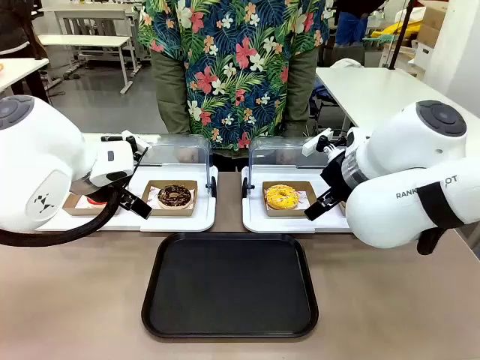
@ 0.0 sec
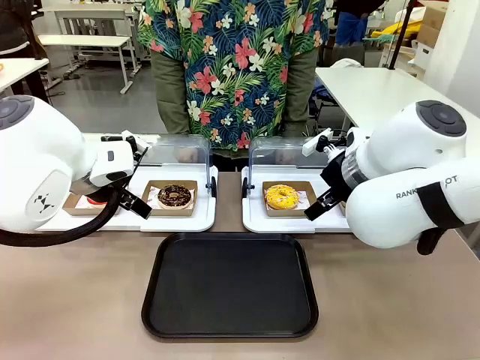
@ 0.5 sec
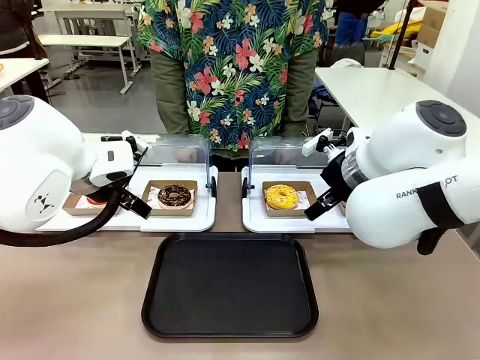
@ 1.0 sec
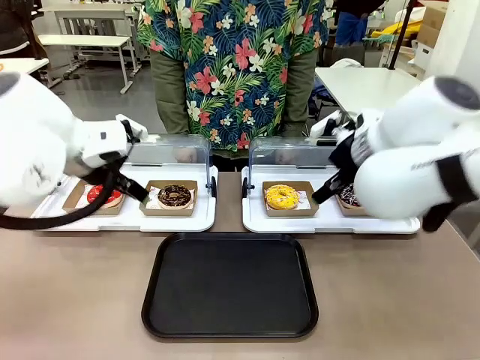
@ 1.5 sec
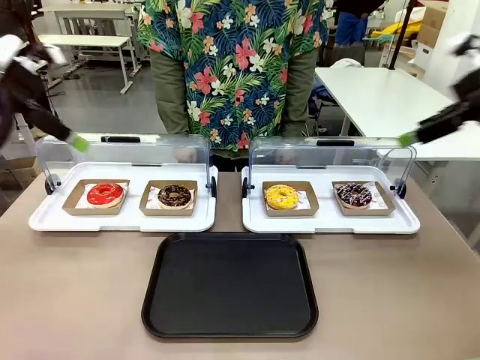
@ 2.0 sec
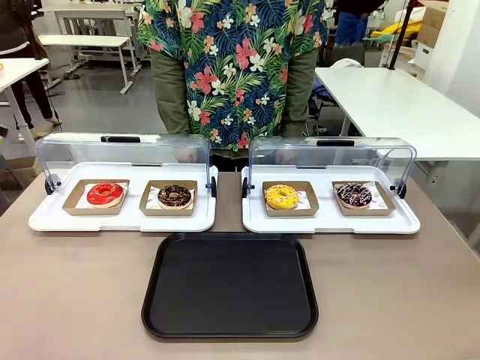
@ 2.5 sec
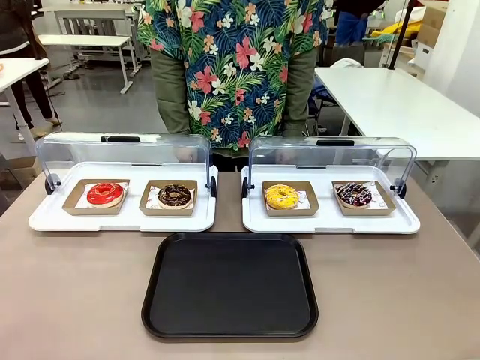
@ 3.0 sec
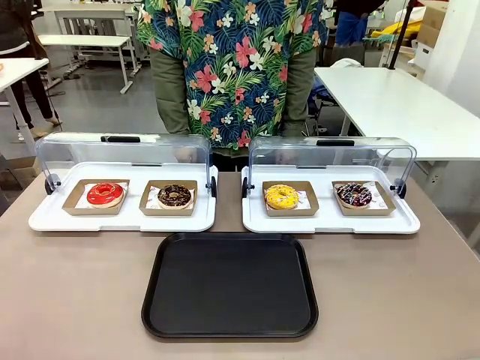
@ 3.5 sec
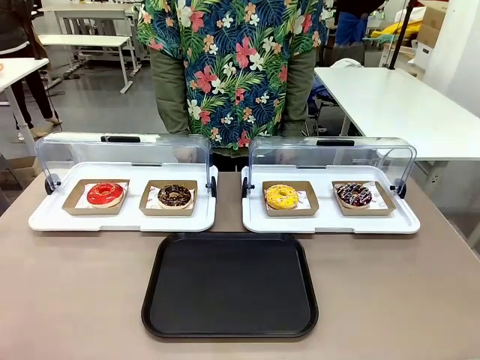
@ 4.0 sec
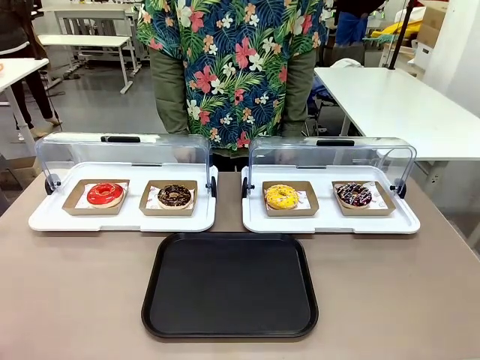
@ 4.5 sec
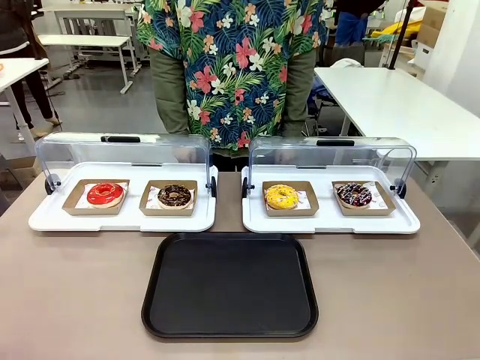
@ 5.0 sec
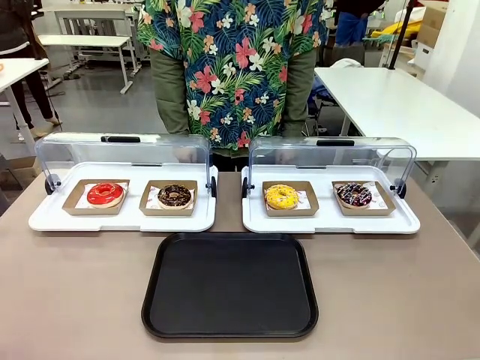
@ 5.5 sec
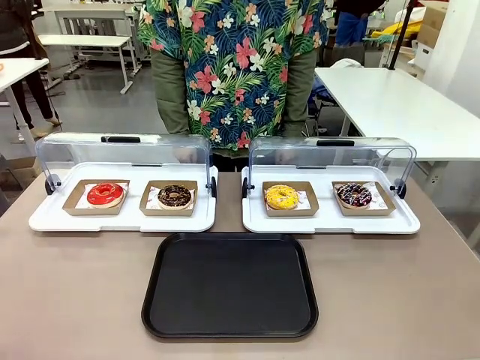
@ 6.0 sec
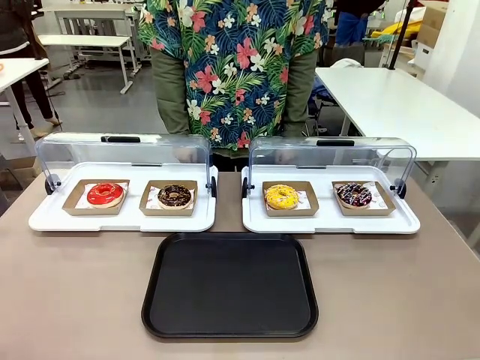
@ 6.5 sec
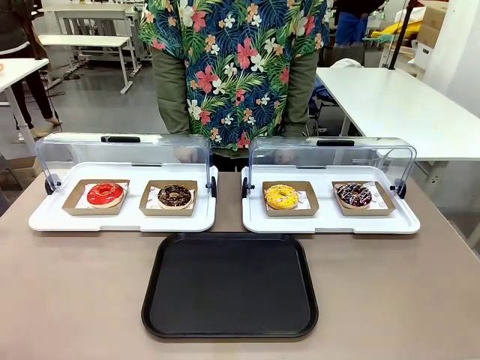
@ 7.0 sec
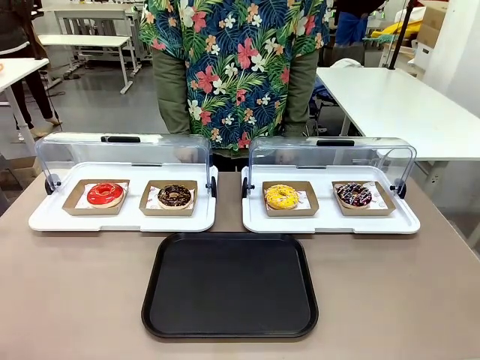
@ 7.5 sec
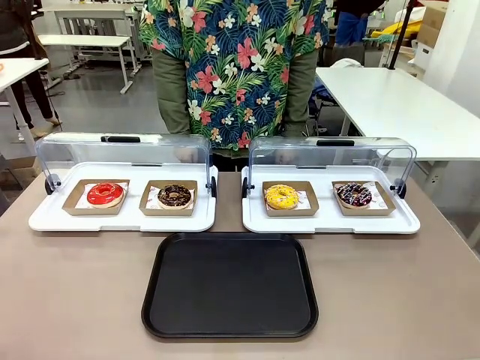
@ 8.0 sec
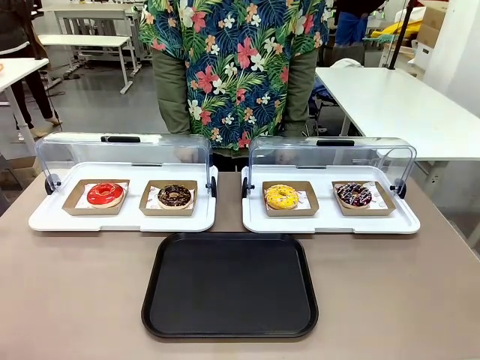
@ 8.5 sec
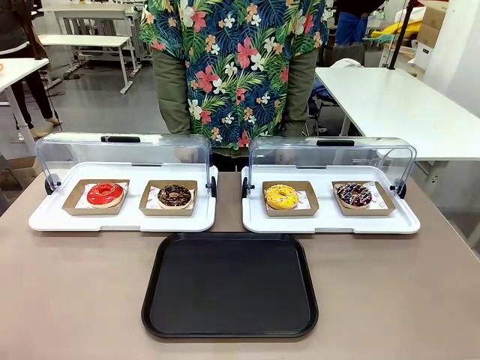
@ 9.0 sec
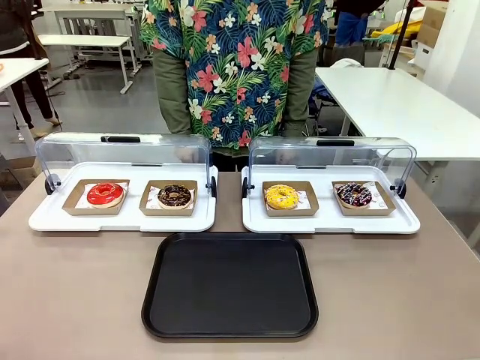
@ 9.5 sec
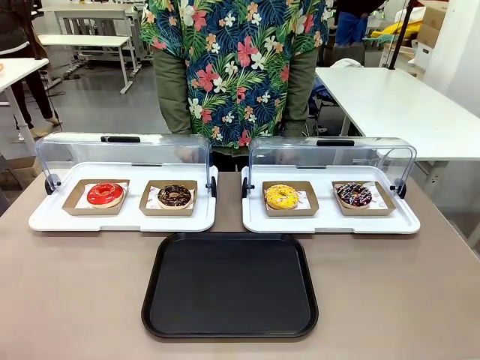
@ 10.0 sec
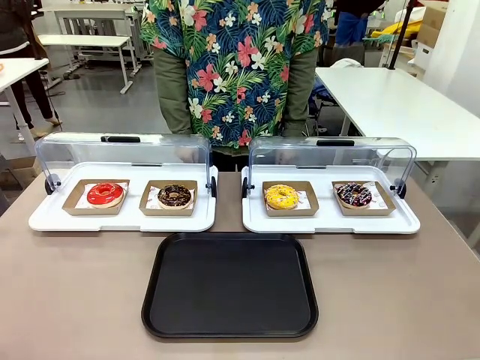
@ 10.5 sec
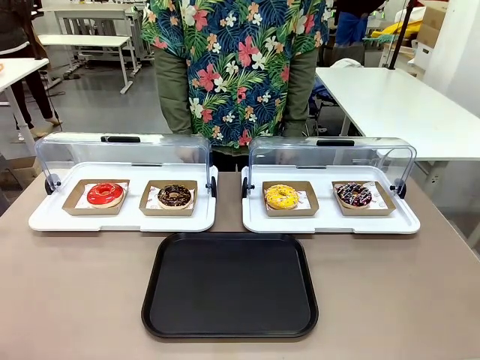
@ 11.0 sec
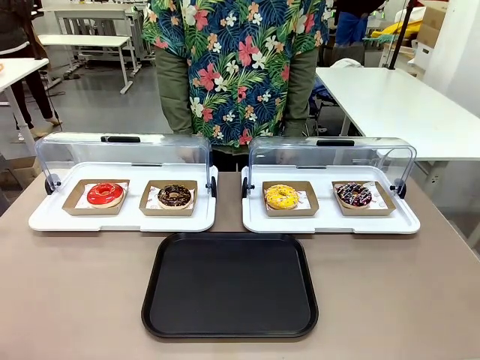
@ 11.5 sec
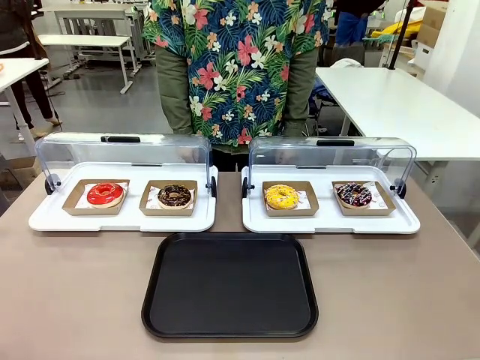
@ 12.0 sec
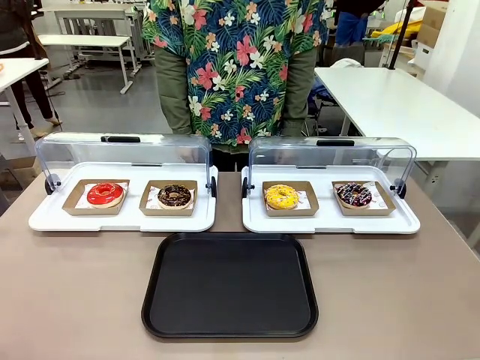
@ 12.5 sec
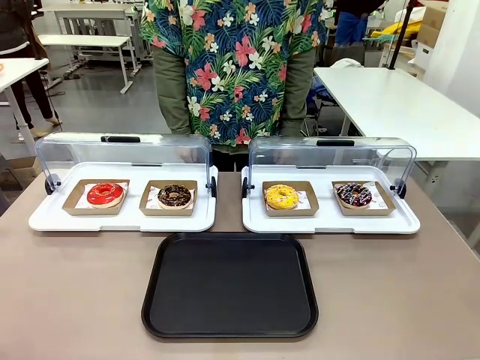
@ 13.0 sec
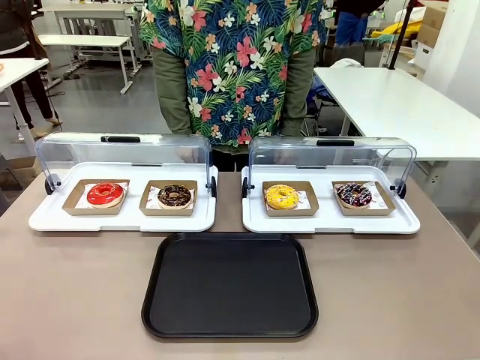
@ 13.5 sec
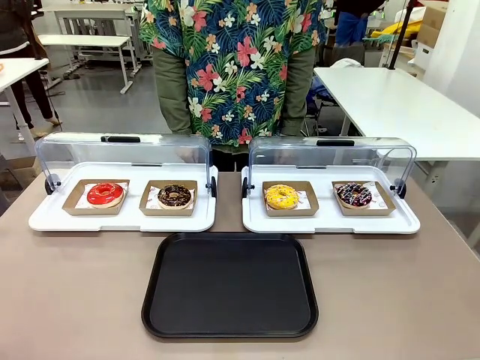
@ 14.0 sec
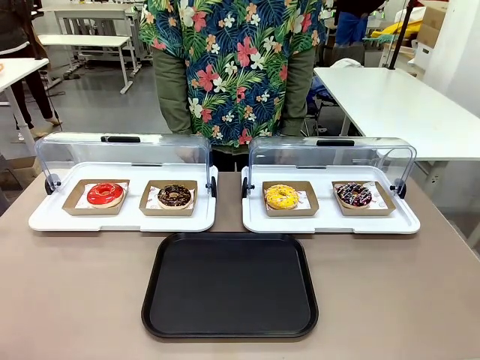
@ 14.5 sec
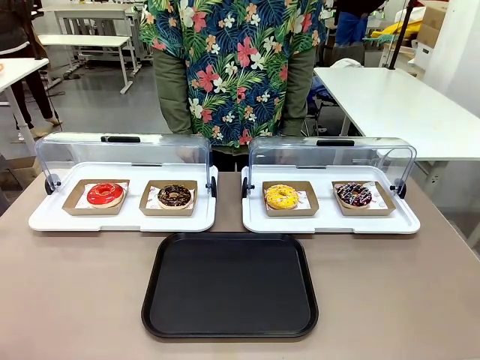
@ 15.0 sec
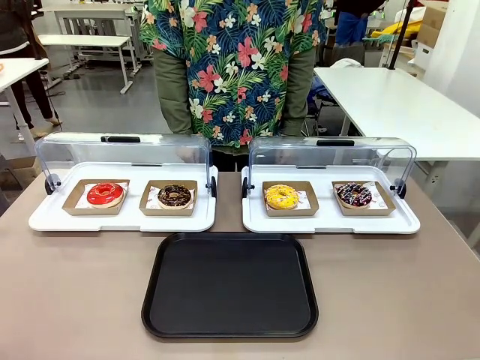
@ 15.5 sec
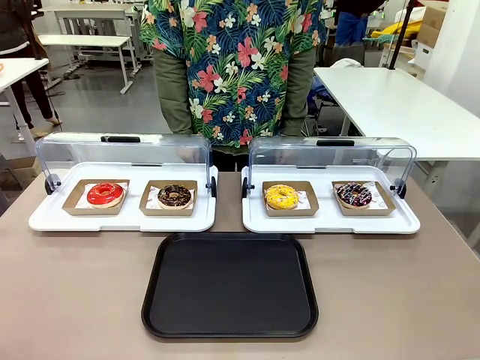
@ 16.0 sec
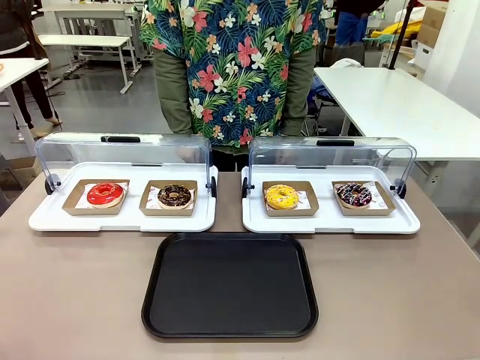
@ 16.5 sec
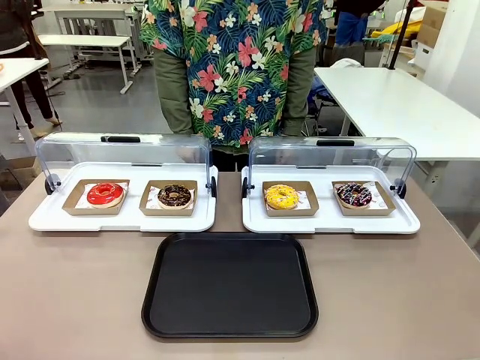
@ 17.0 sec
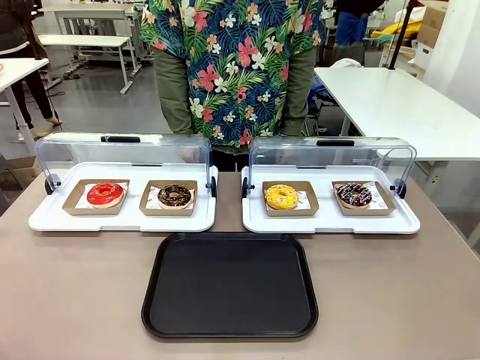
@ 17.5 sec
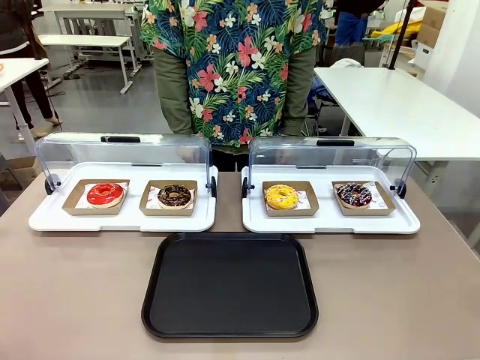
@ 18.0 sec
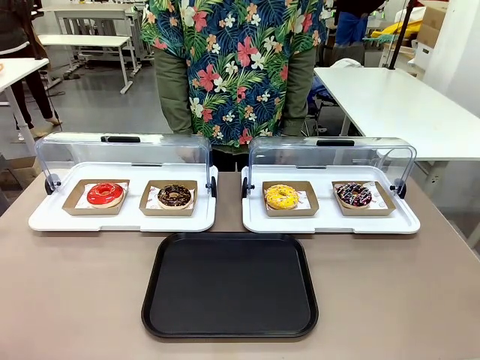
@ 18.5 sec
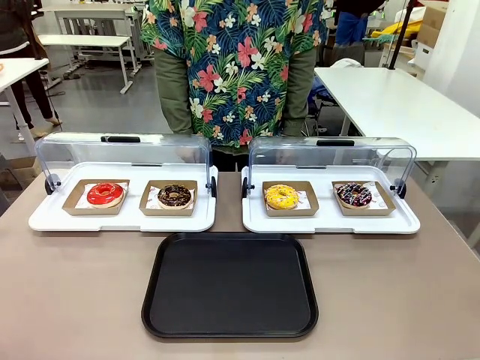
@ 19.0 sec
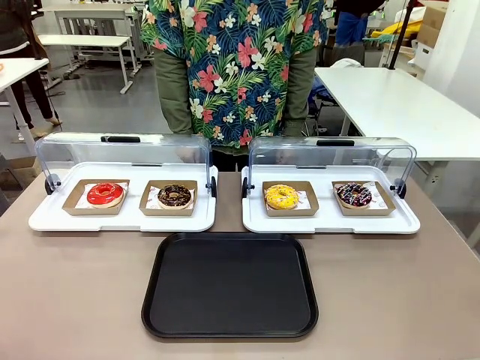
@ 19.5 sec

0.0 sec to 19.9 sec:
Task: Move the second donut from the left to the tray.
Robot: Pick up the Paper togo box containing the Donut indicated by the person and place it on the Handle tray.
